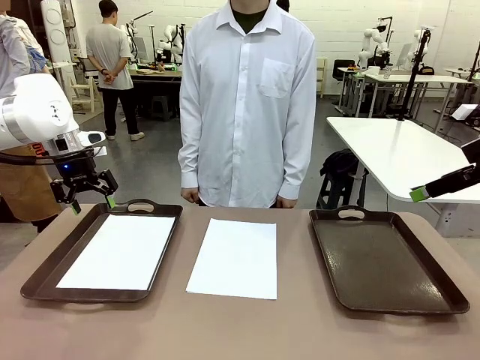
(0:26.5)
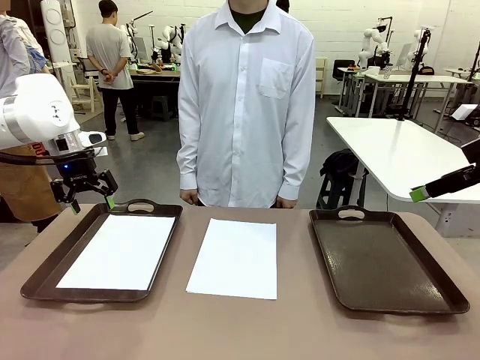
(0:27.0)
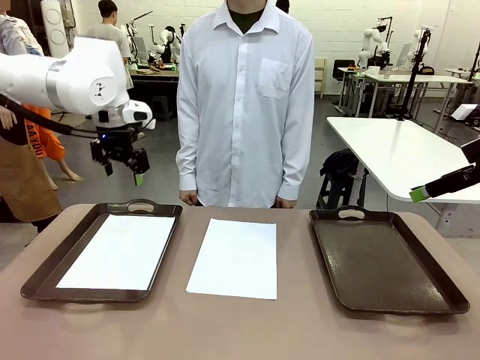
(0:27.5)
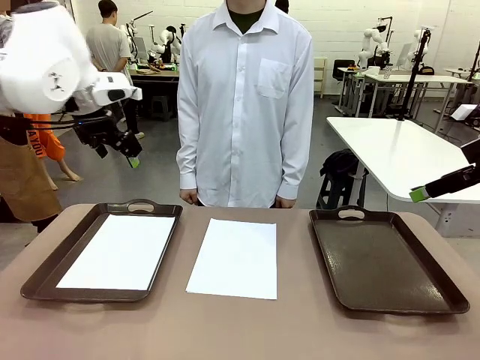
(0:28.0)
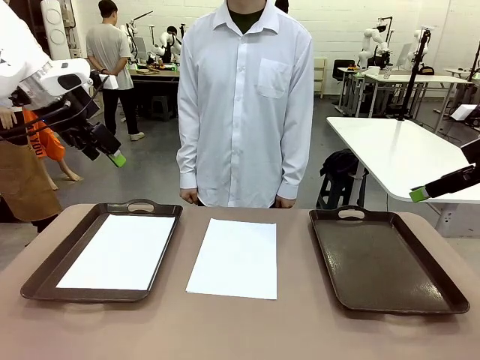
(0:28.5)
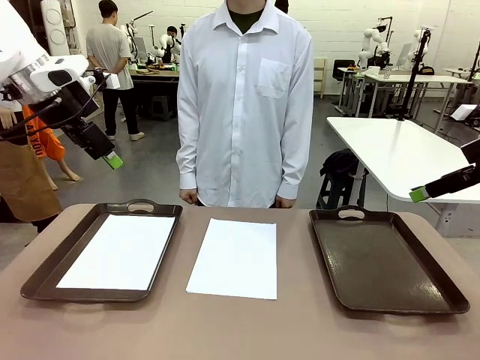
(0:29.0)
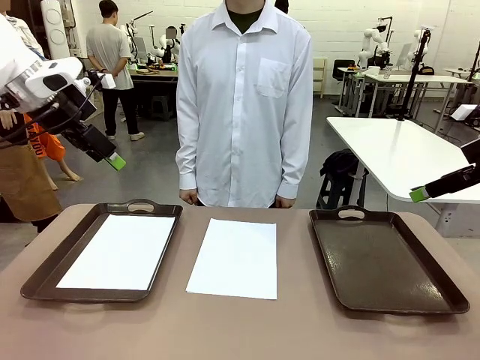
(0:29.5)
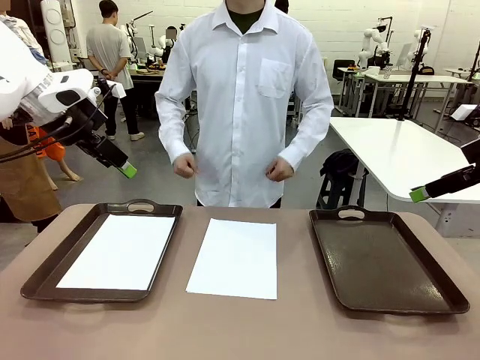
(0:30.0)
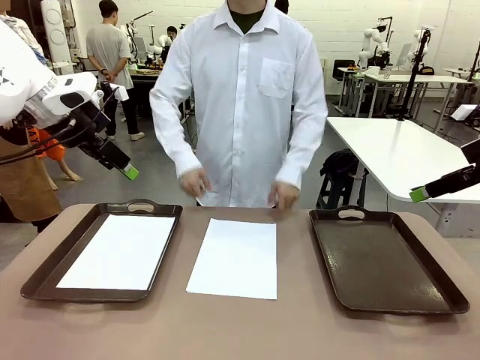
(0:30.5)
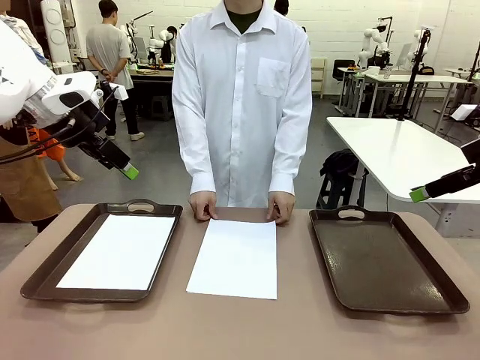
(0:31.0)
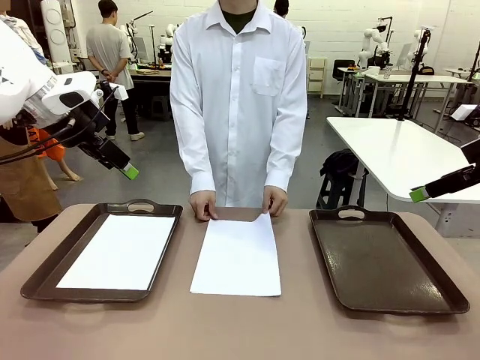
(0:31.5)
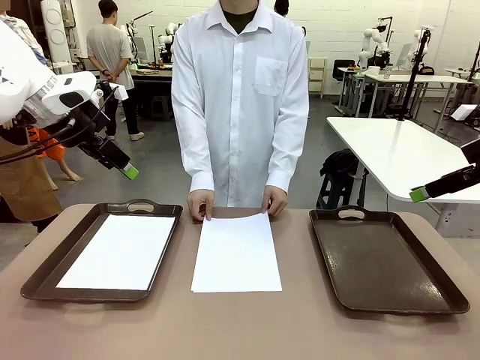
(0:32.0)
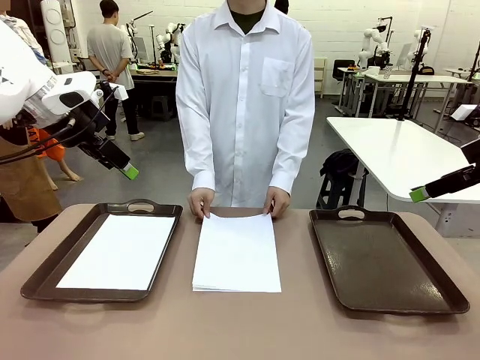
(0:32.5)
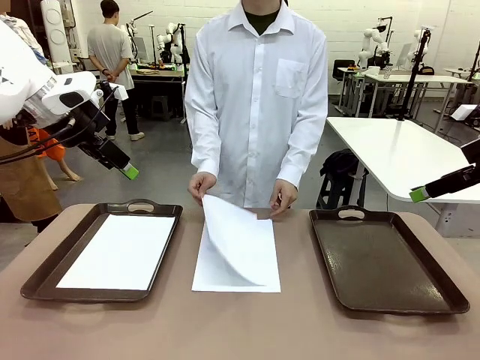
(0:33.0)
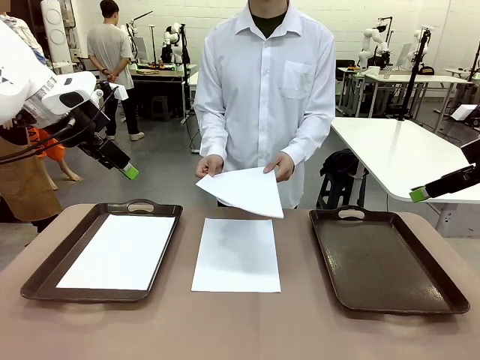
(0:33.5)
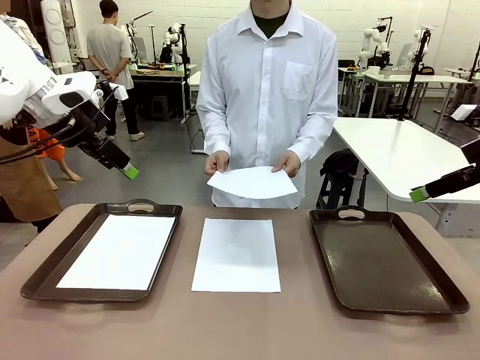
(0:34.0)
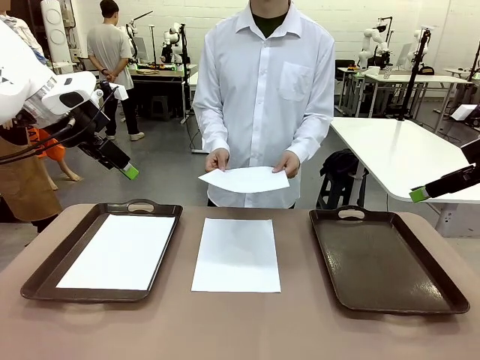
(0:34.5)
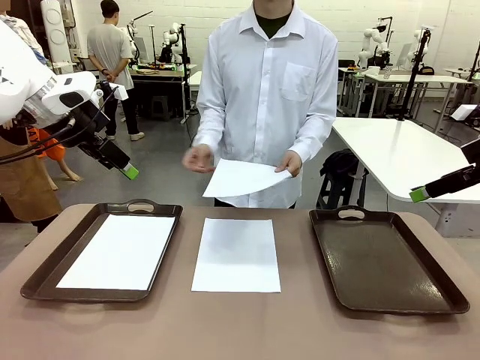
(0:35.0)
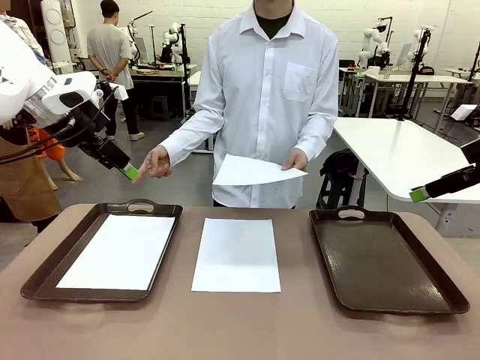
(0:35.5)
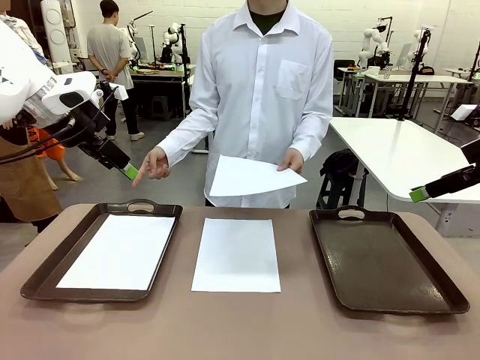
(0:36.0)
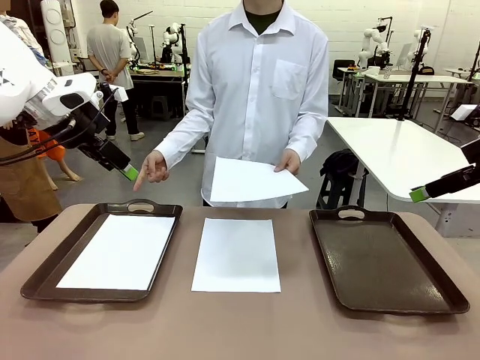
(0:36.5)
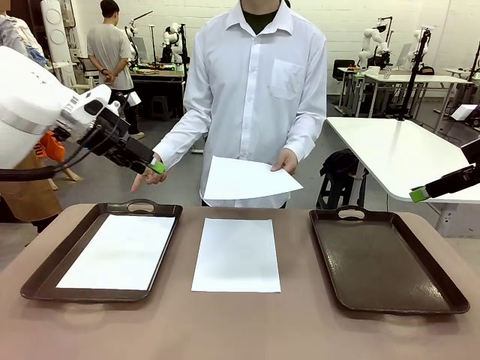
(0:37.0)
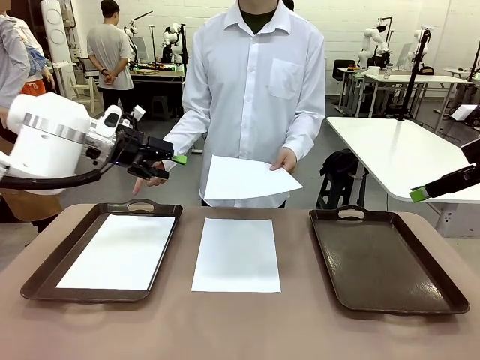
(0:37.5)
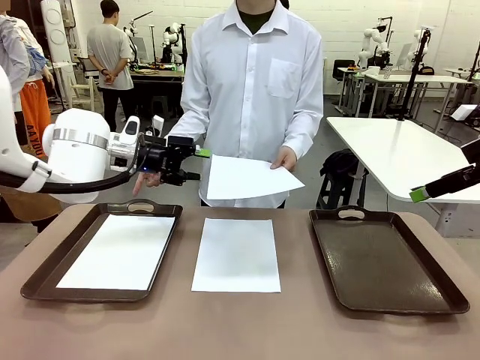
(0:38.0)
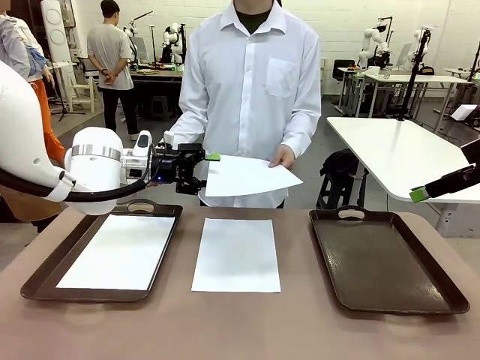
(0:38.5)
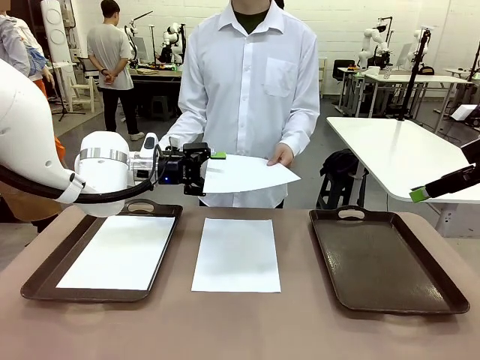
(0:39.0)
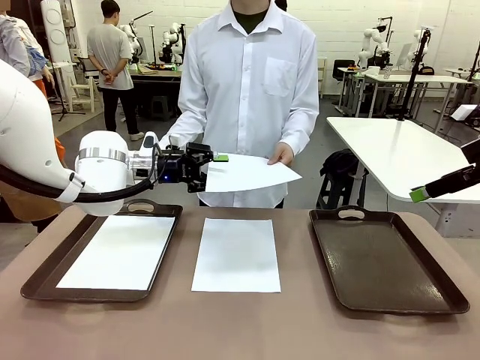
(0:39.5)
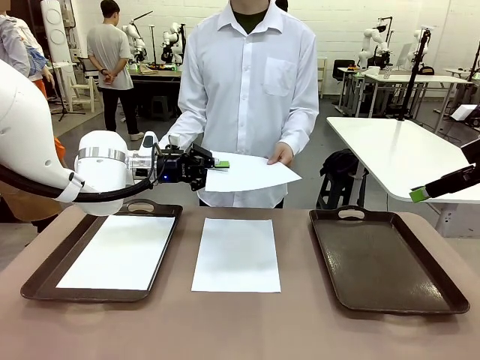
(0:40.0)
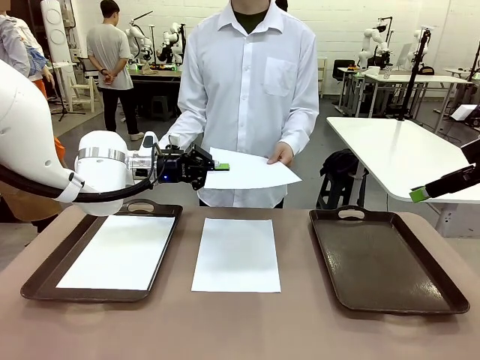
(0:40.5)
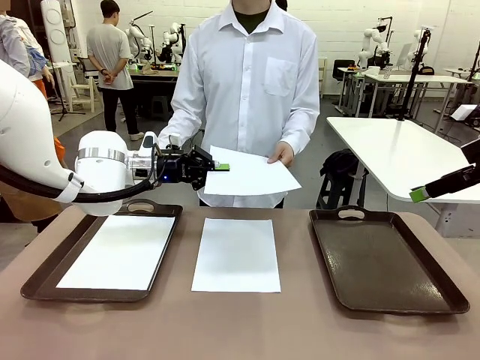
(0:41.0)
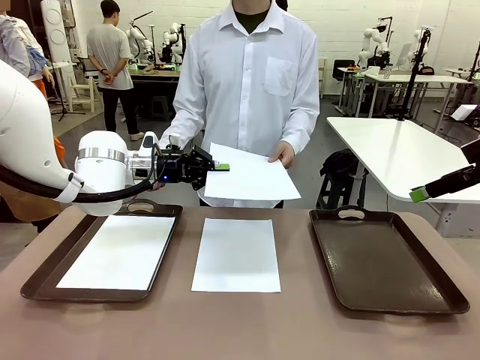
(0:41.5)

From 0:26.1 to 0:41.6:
Task: Sort the A4 documents.
Robot: Receive the A4 Paper.
Person: Point the randomly selected tray with the other hand.

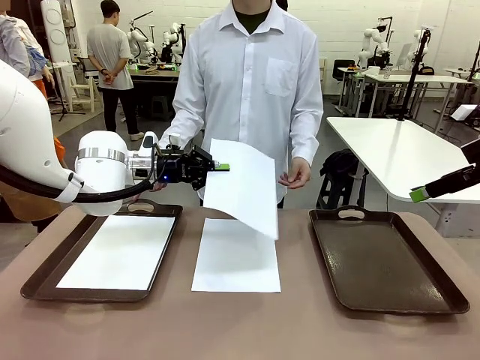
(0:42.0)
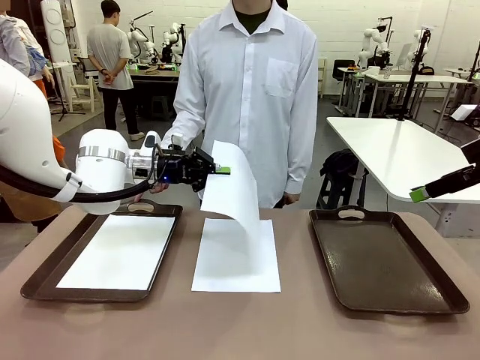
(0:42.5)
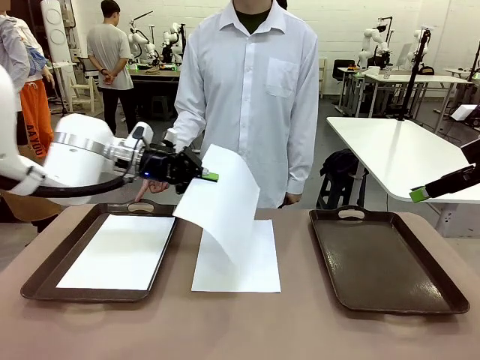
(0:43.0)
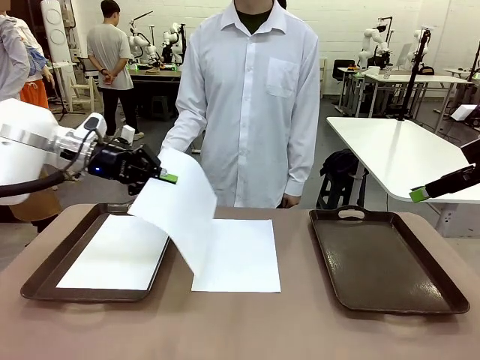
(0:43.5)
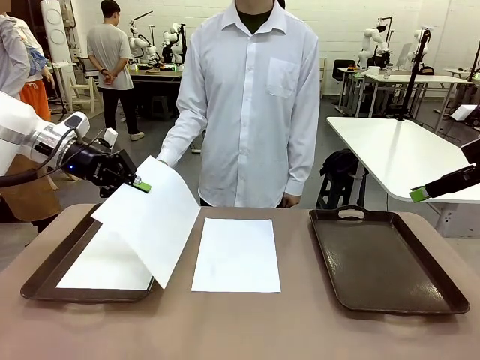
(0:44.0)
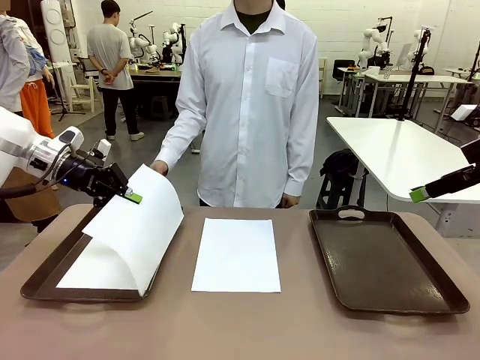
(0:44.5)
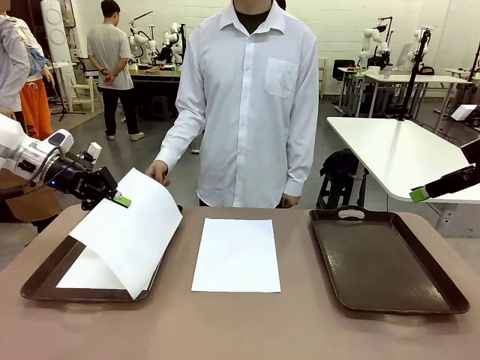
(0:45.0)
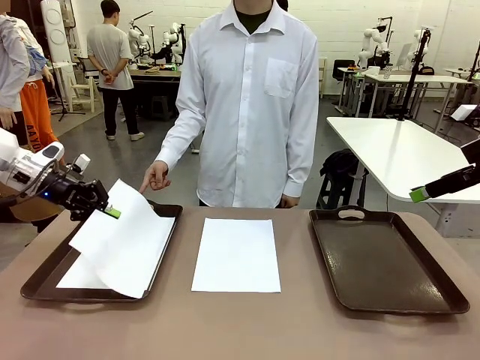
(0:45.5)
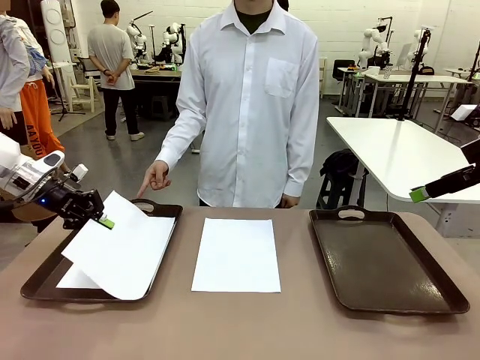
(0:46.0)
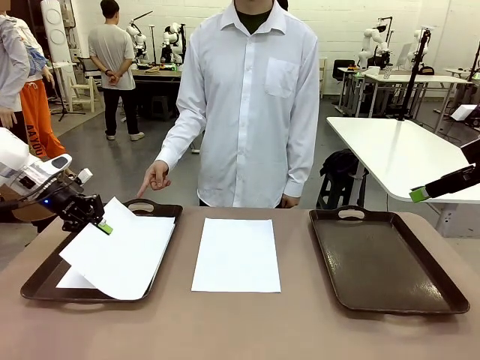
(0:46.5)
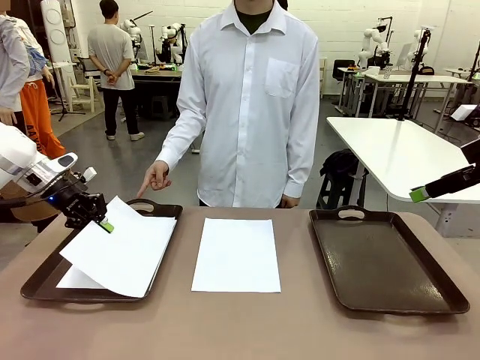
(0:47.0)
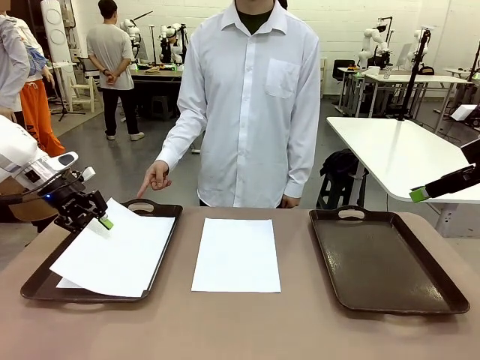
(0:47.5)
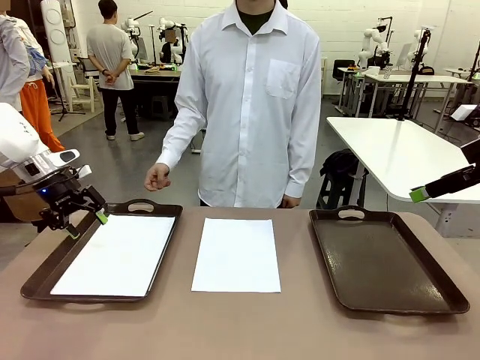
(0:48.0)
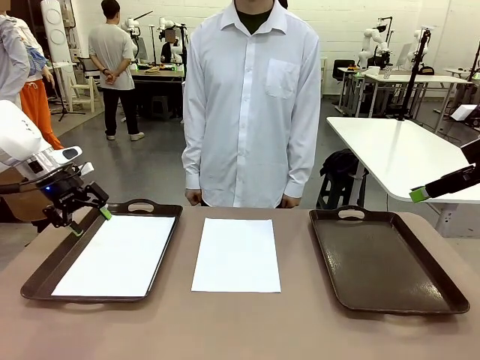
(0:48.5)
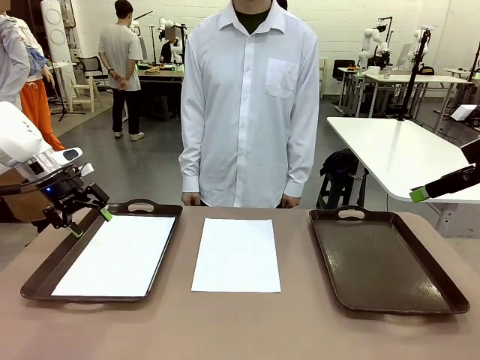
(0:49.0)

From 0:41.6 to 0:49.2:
Robot: Place the A4 Paper in the designated Handle tray.
